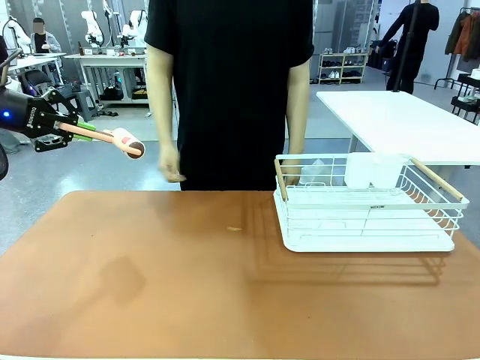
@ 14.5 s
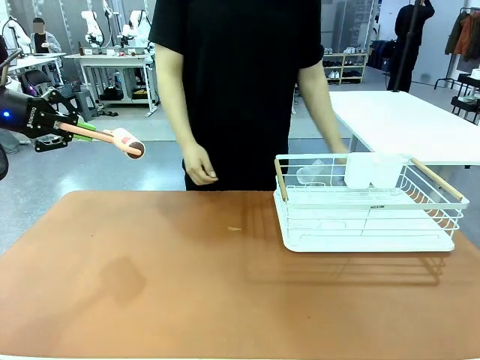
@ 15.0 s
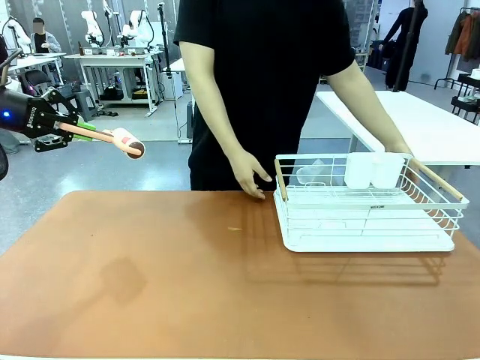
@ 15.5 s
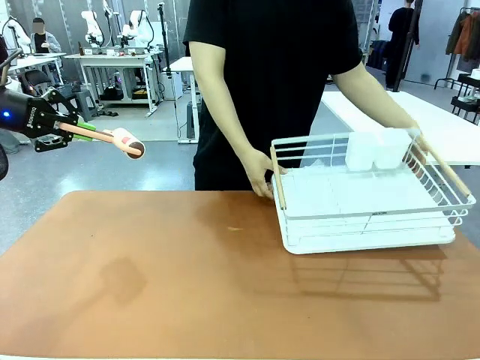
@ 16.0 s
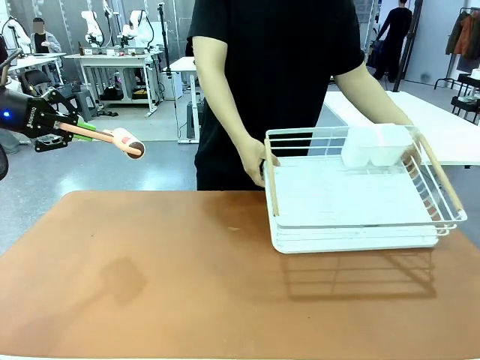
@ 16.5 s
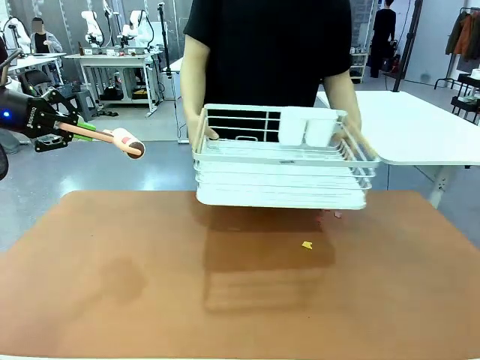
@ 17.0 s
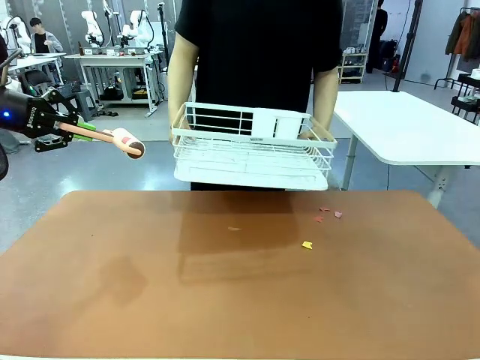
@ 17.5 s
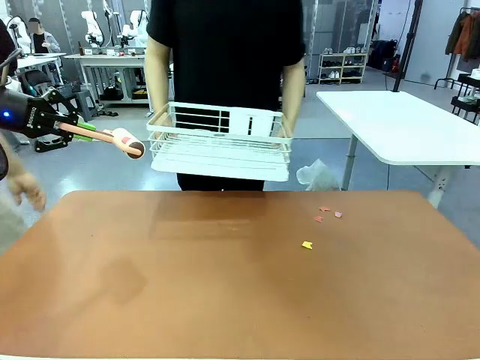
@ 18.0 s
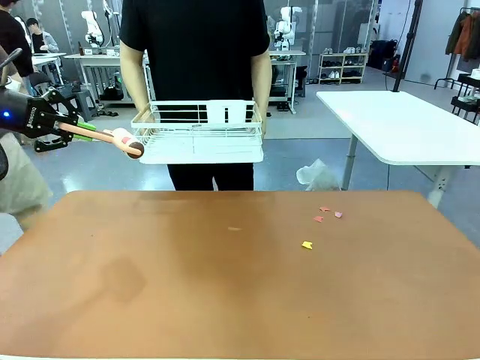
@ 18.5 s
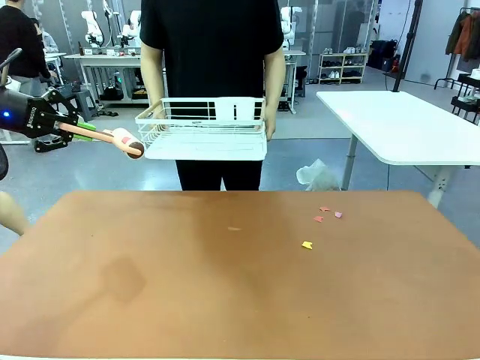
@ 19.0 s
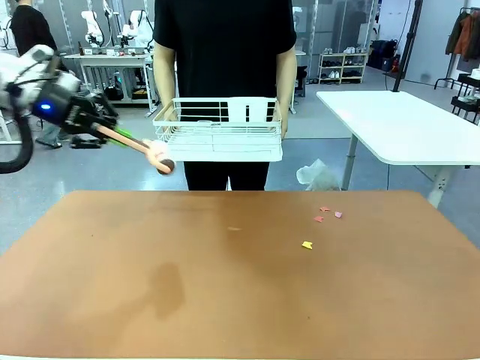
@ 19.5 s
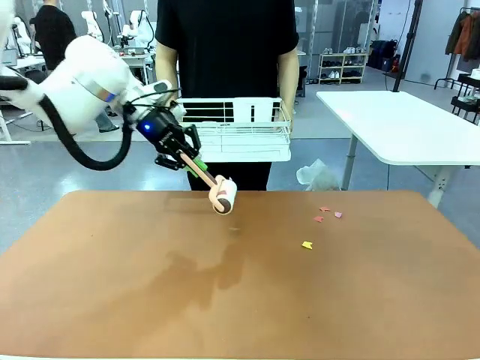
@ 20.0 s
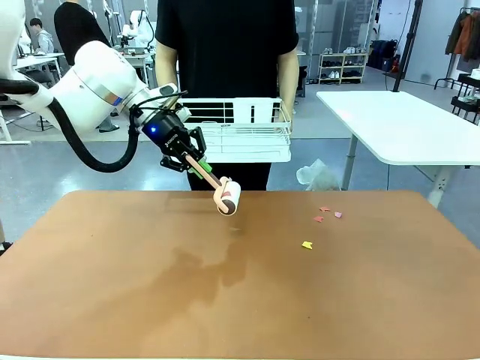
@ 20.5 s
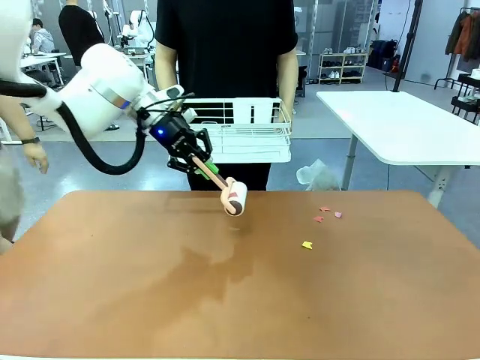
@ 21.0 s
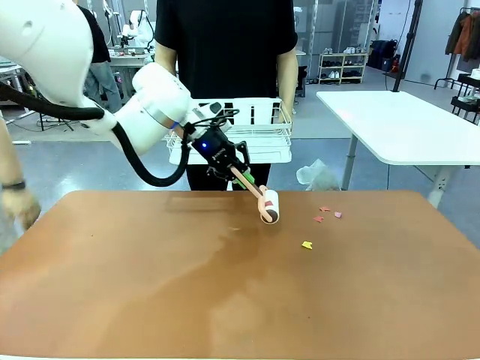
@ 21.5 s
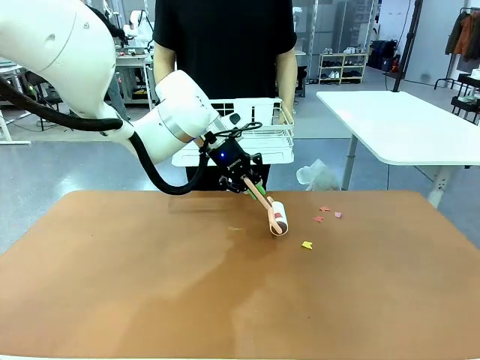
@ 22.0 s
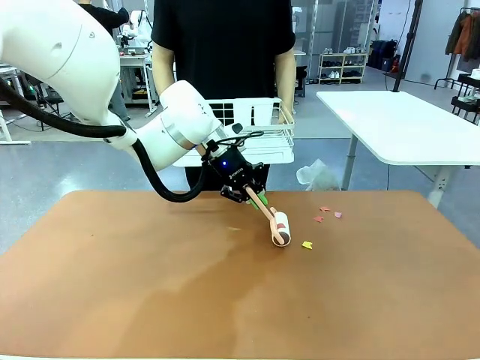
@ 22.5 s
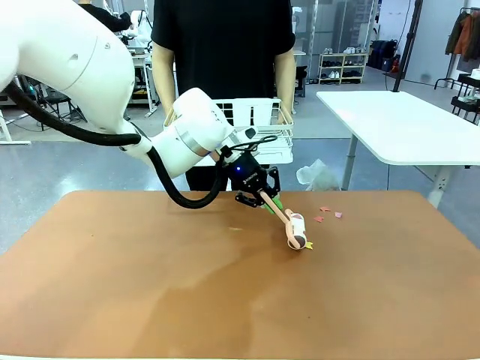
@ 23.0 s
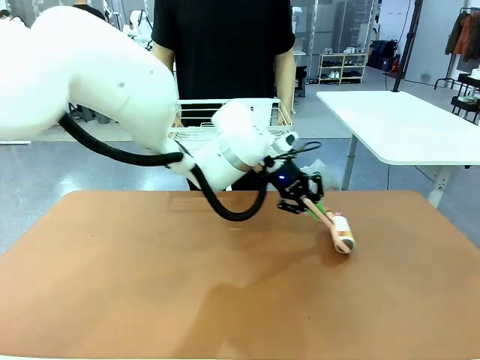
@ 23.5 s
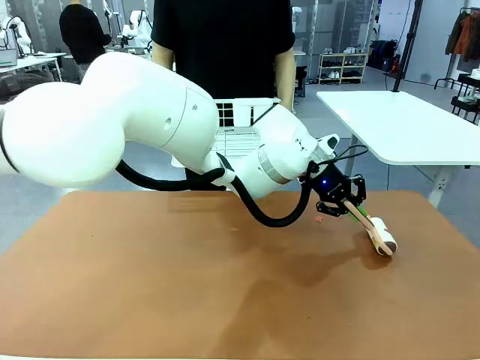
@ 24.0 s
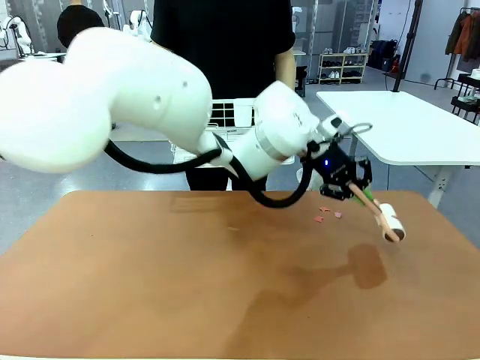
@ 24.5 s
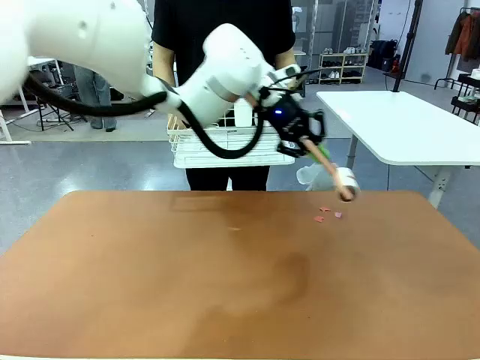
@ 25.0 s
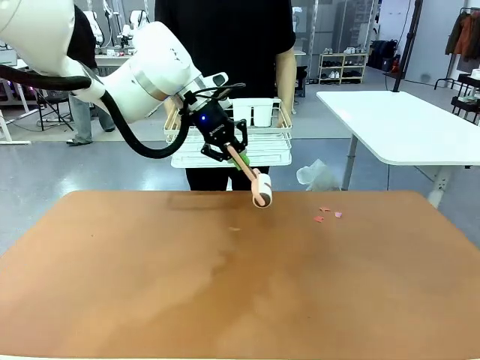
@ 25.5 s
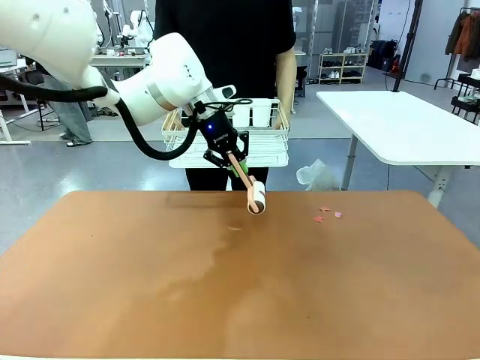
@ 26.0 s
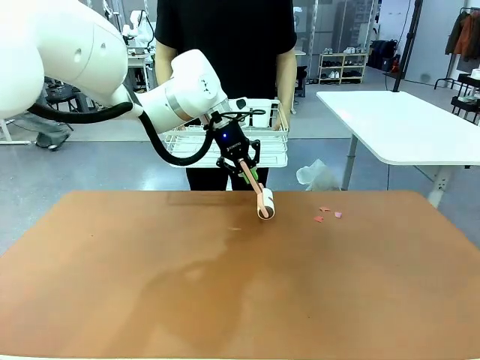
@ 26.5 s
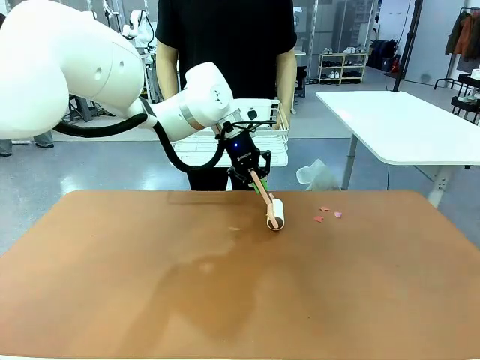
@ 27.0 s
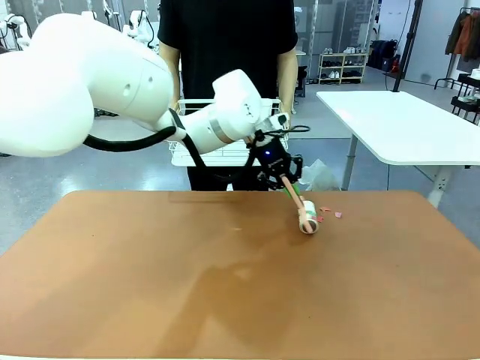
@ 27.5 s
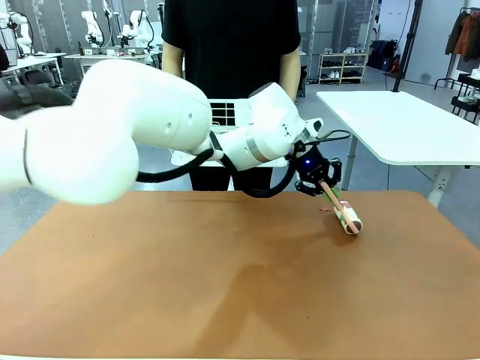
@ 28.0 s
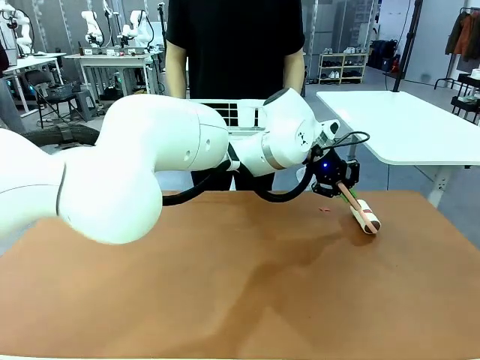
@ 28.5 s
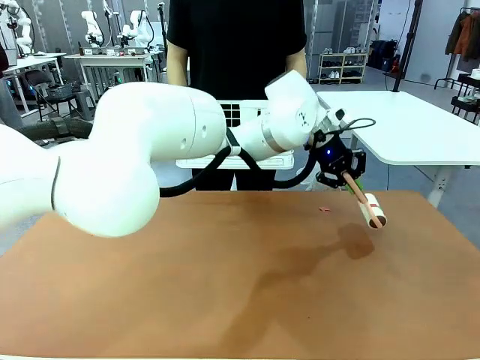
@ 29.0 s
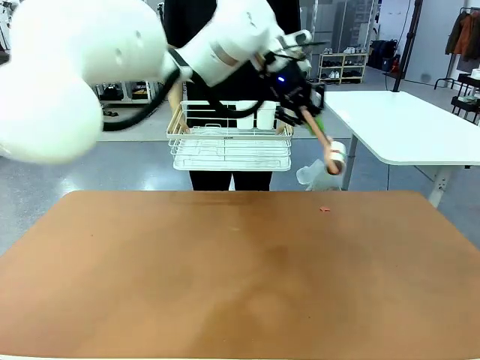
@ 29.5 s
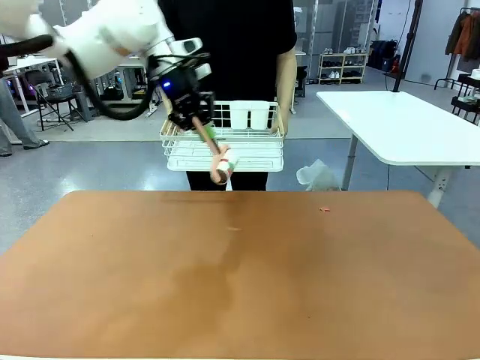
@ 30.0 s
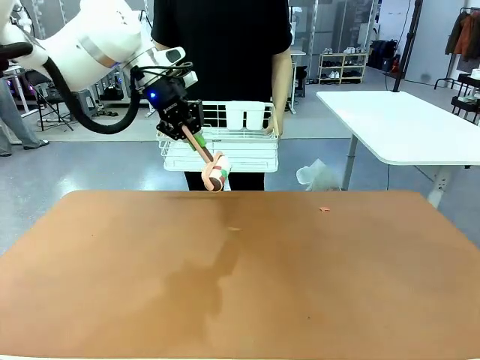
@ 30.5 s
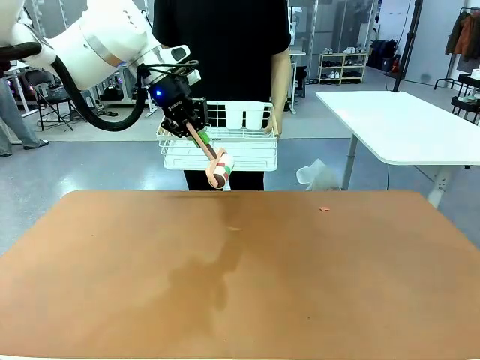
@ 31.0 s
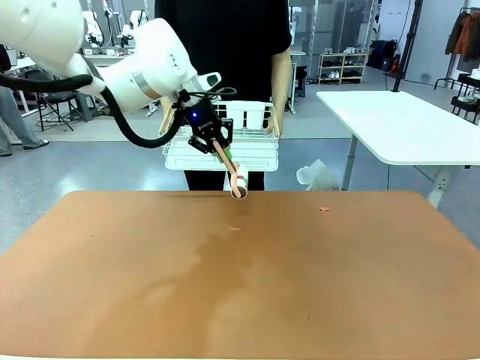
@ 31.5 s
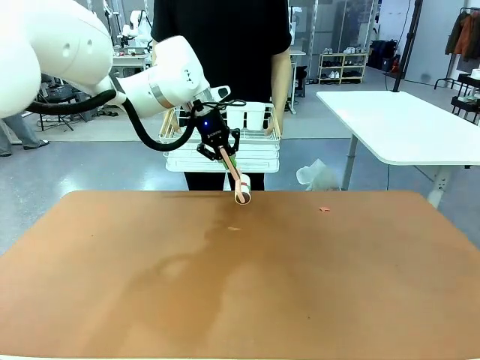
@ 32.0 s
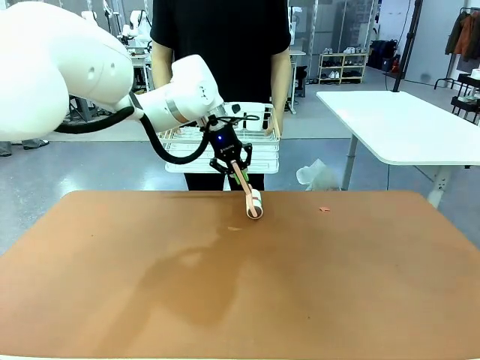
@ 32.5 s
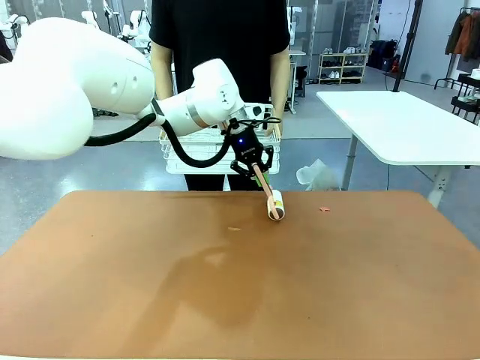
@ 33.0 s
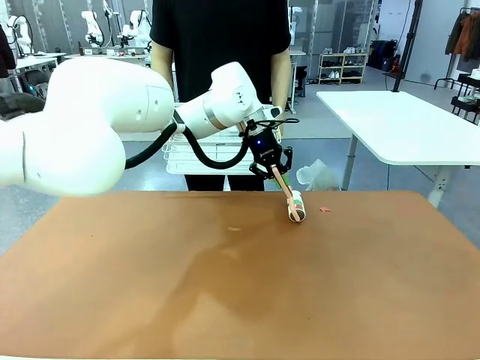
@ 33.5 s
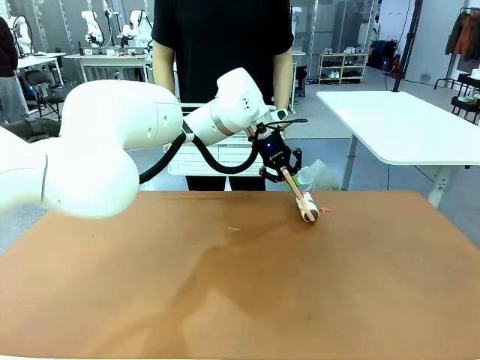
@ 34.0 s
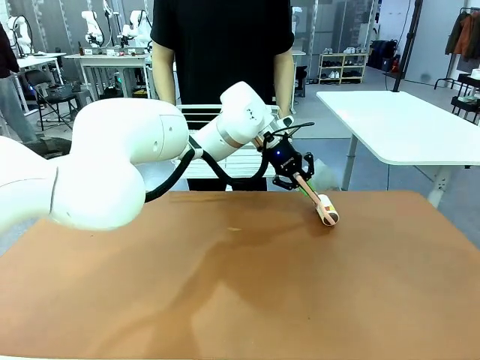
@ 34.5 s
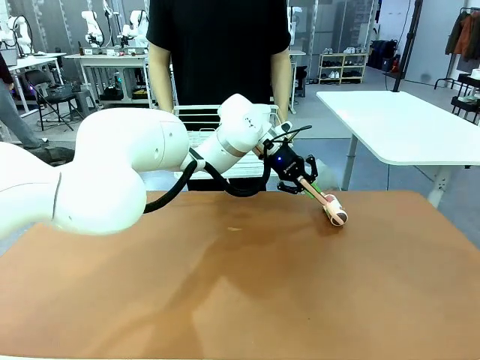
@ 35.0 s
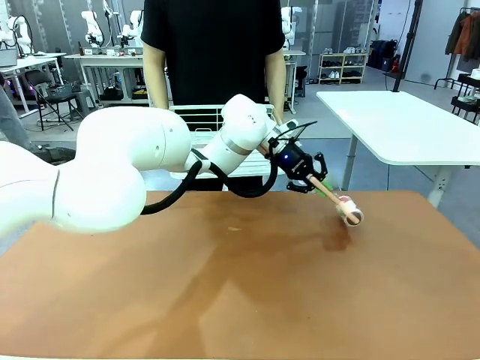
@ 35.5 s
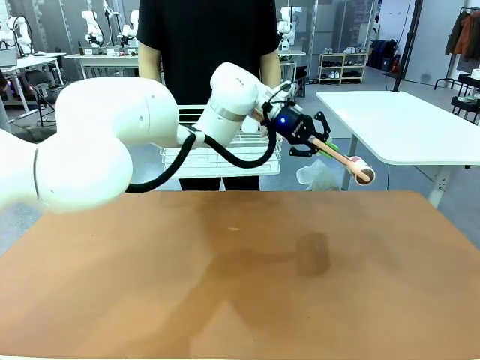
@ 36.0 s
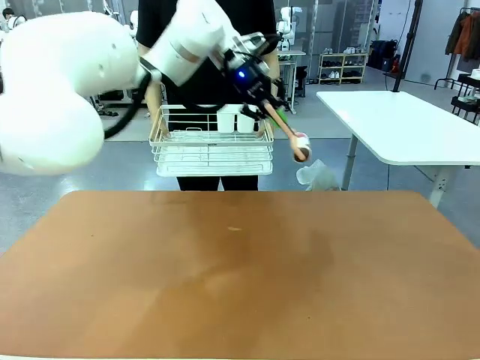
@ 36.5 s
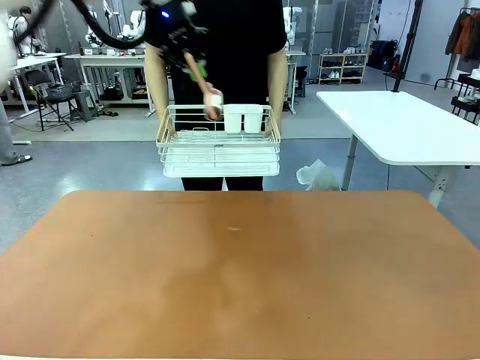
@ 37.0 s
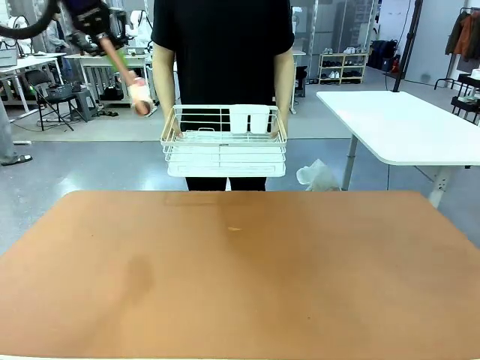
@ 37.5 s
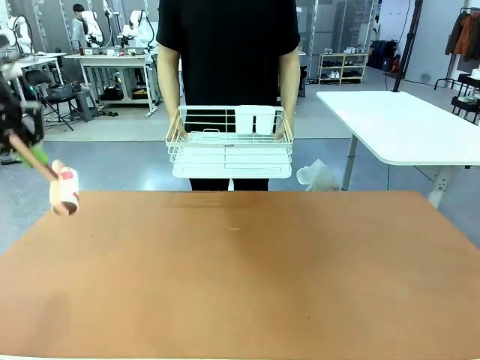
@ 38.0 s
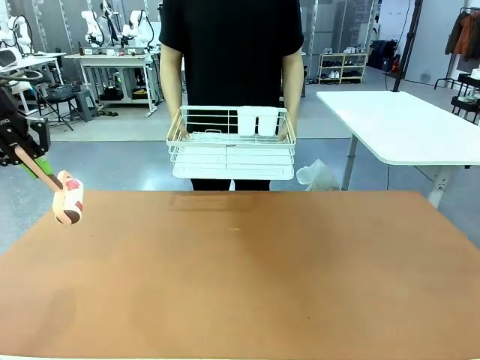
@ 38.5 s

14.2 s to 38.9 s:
Task: Clean the table.
Robot: Clean the table with the Lint Roller when the human lifts the Dish drying rack.
Person: Place the Dish drying rack down when the robot finishes cleaning.
